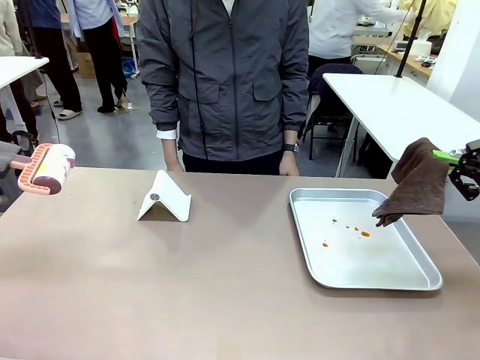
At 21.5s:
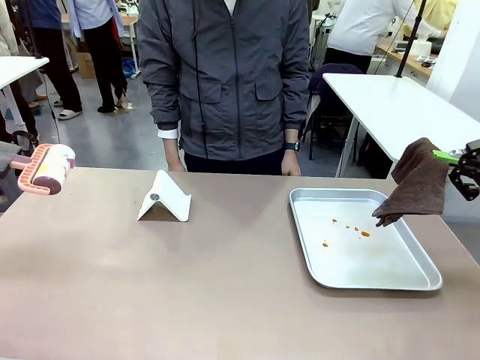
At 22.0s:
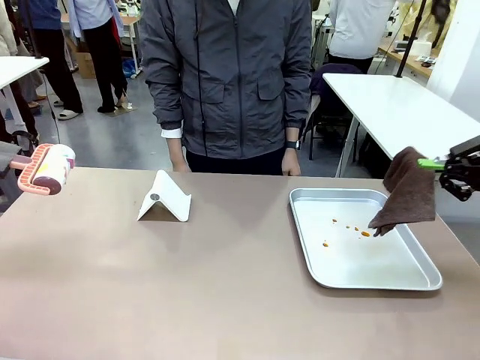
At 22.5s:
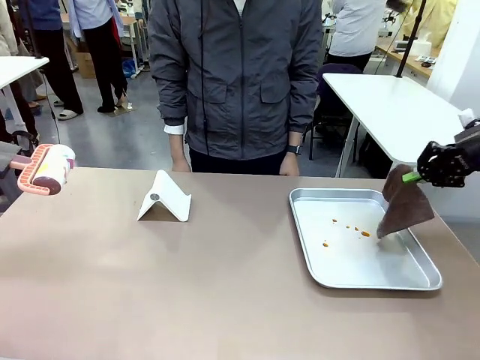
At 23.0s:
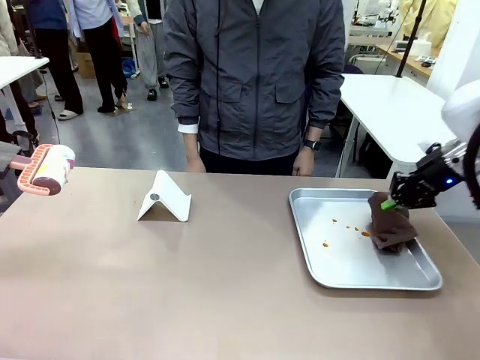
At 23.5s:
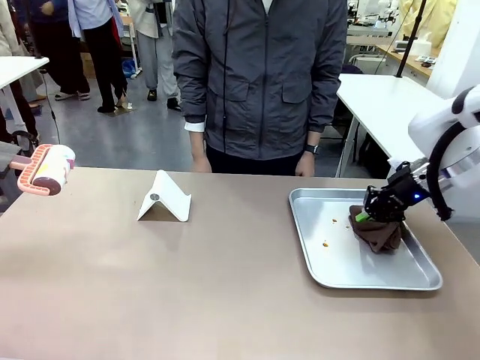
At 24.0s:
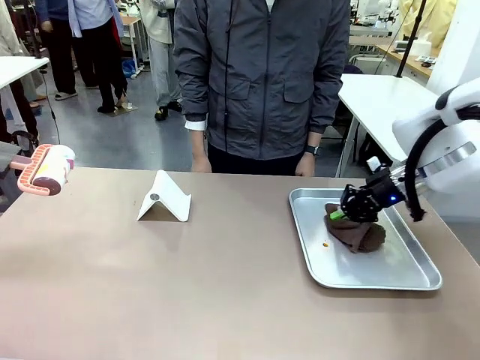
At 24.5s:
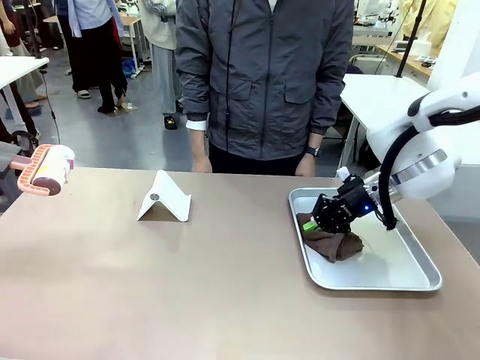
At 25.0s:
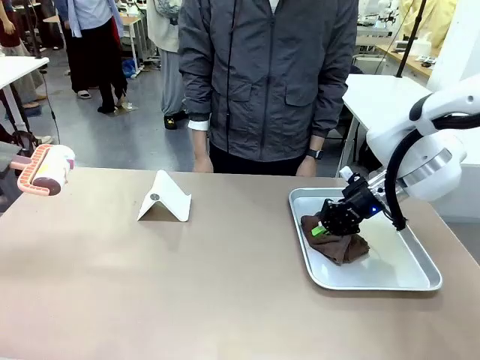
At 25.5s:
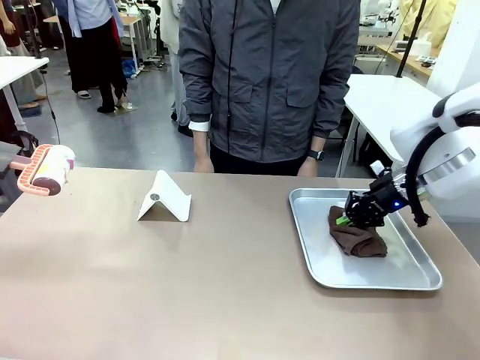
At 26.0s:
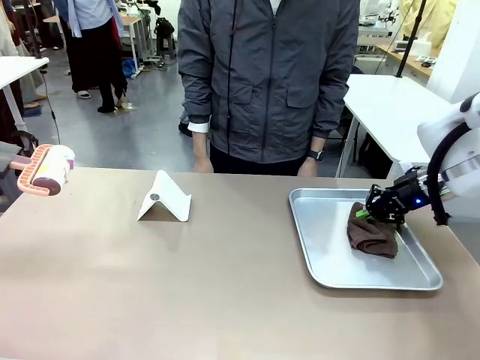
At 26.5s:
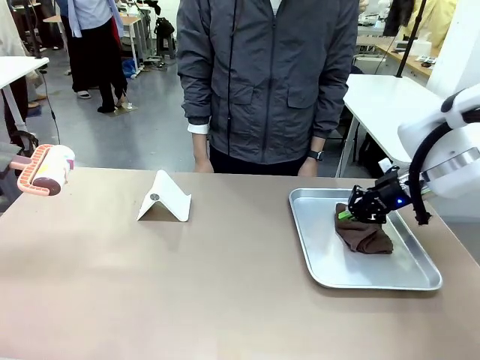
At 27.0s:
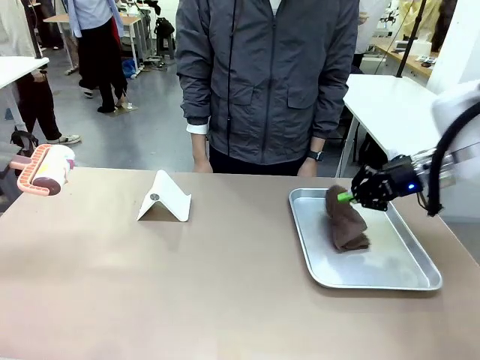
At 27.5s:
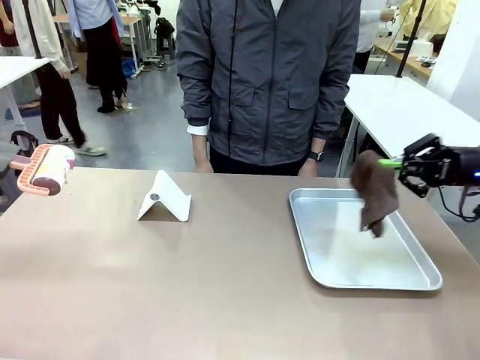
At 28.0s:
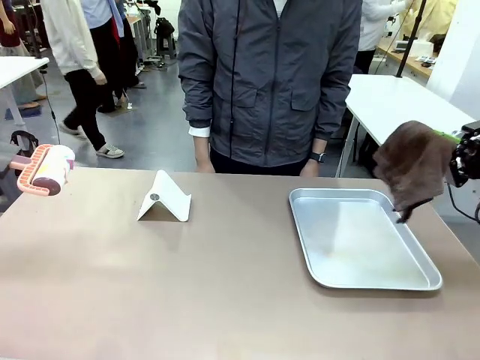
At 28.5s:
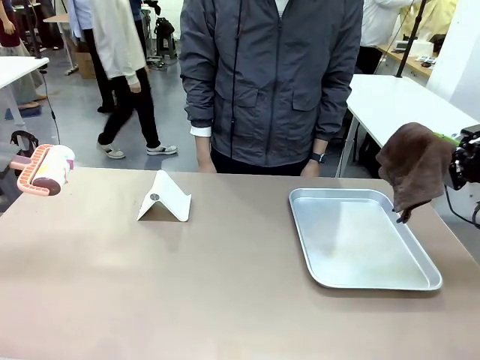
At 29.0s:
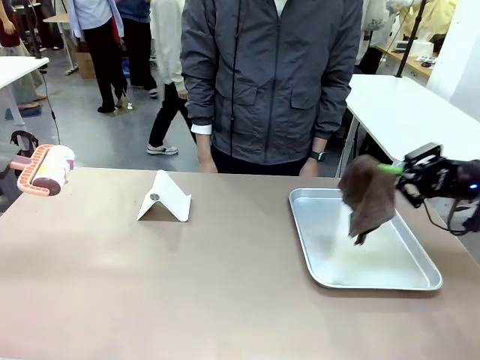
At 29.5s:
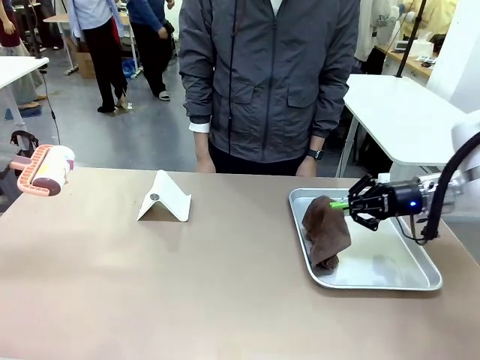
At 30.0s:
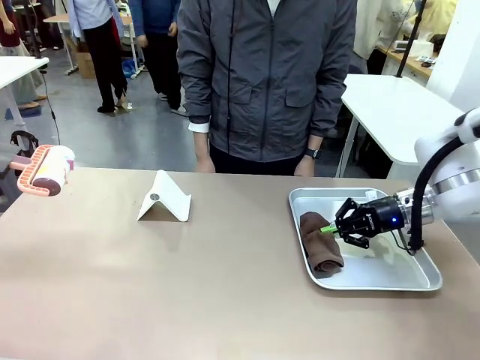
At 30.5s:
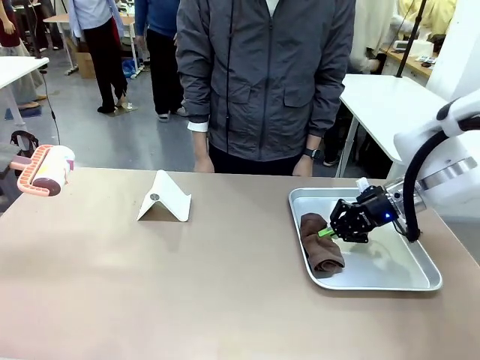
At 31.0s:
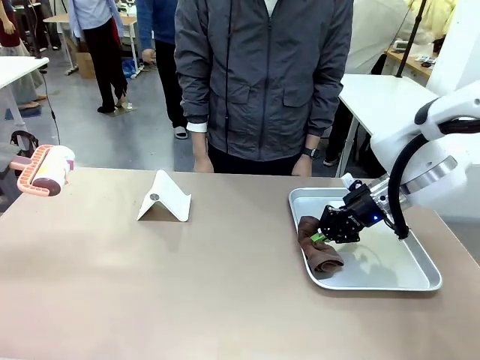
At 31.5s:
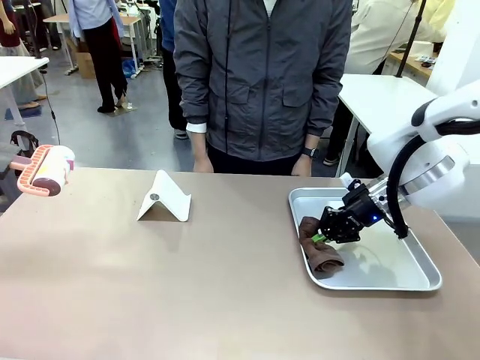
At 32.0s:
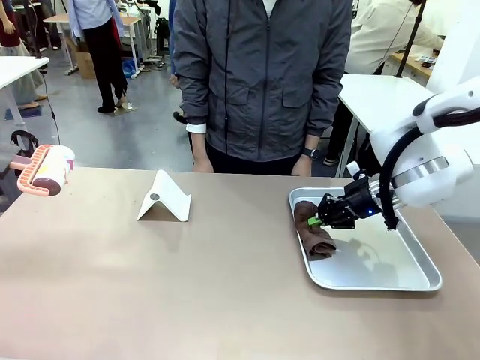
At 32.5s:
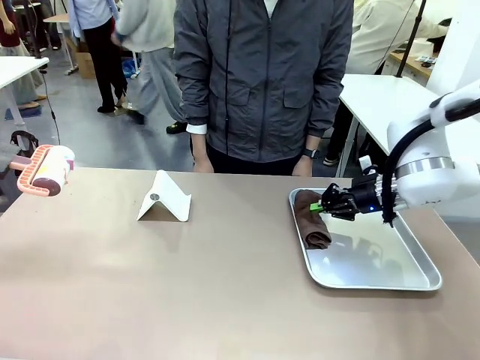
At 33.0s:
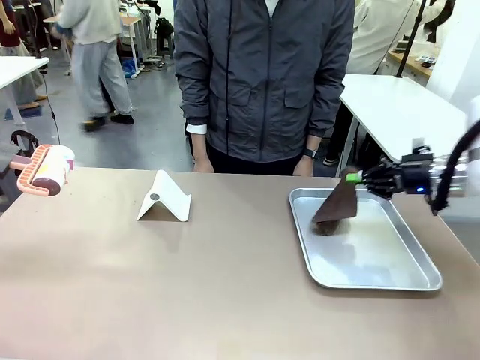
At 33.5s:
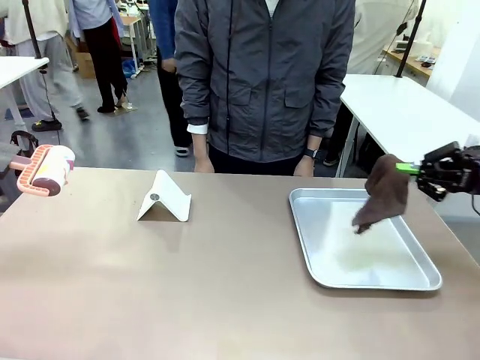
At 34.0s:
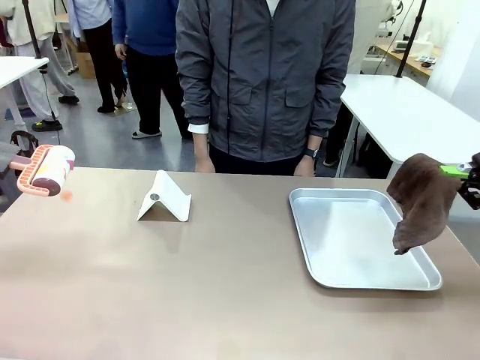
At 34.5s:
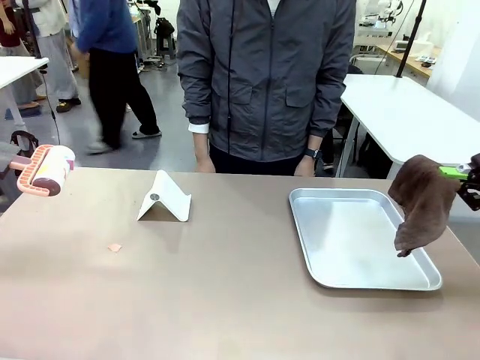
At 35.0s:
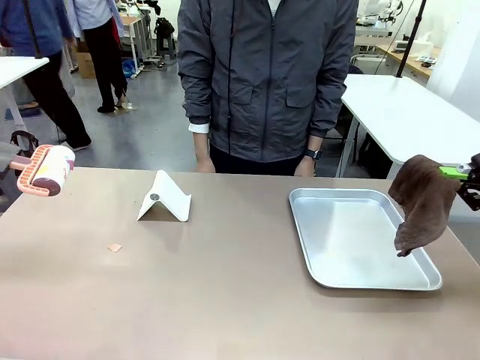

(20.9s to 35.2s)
Task: Clean the surface of the table.
Robot: Clean the area not pointed to by the person.

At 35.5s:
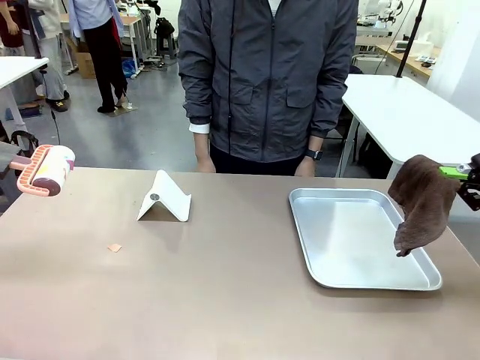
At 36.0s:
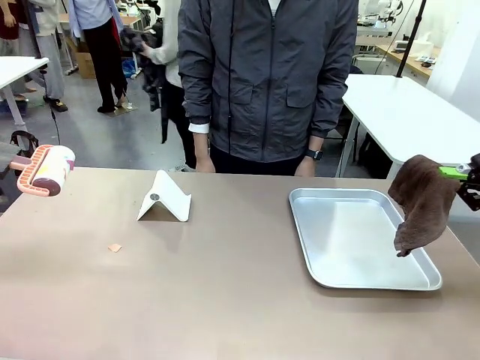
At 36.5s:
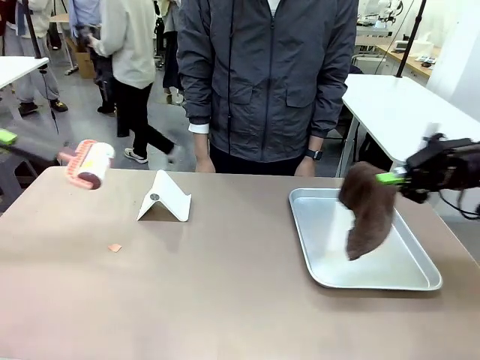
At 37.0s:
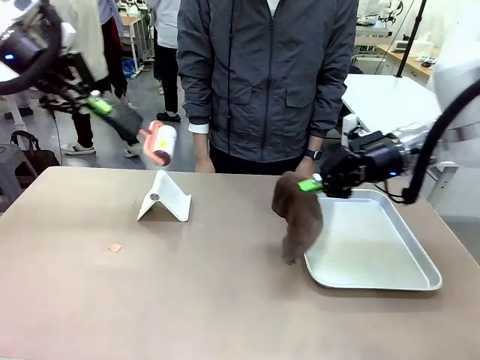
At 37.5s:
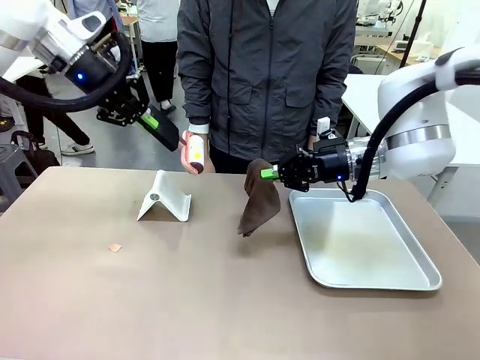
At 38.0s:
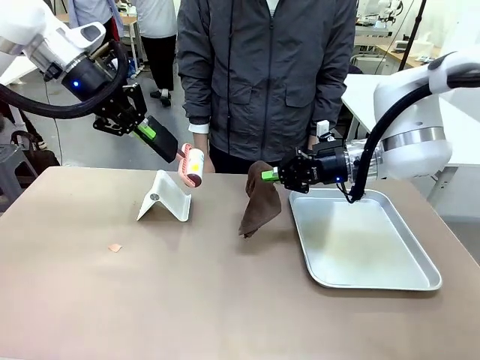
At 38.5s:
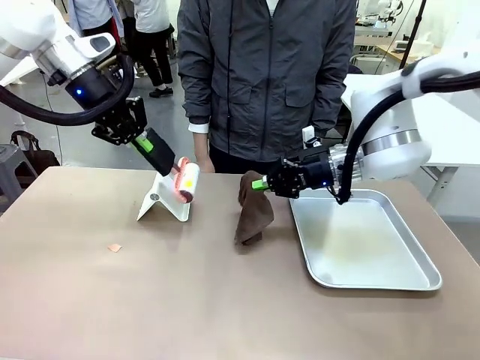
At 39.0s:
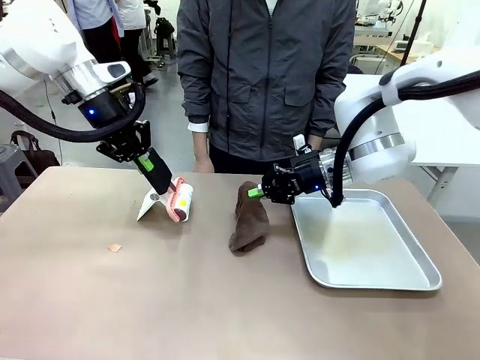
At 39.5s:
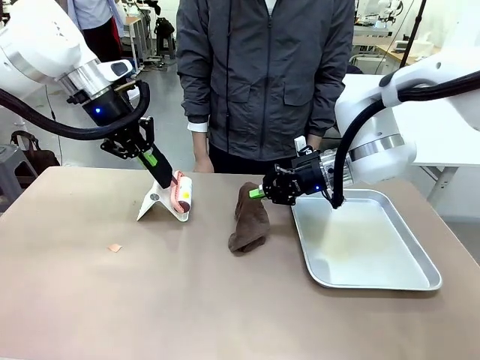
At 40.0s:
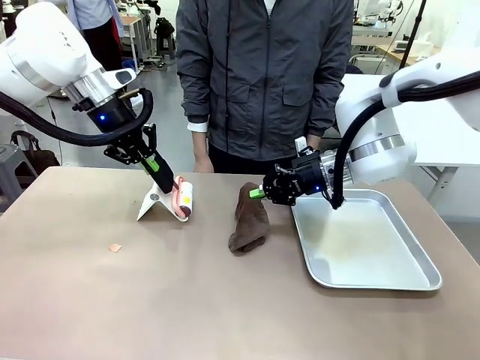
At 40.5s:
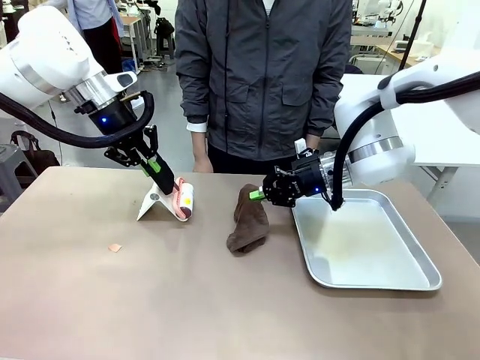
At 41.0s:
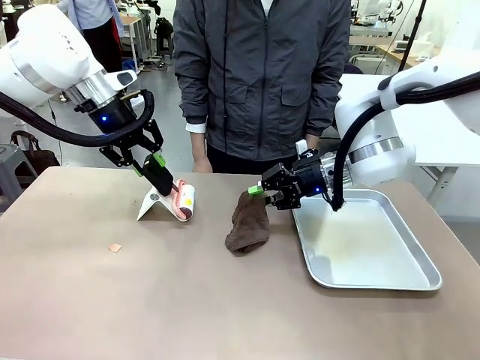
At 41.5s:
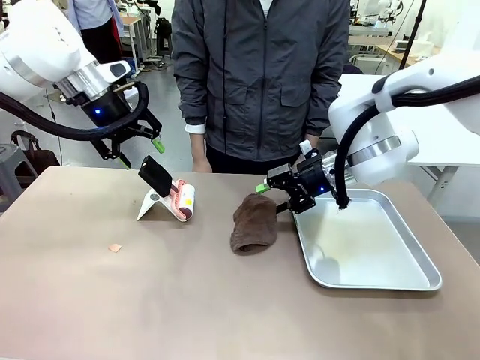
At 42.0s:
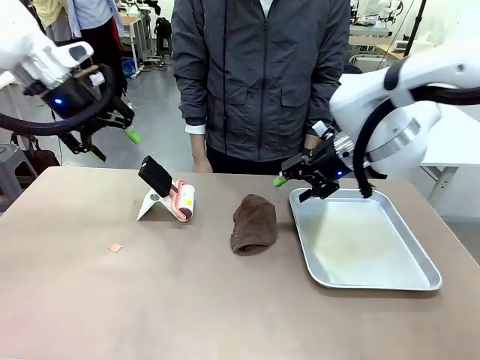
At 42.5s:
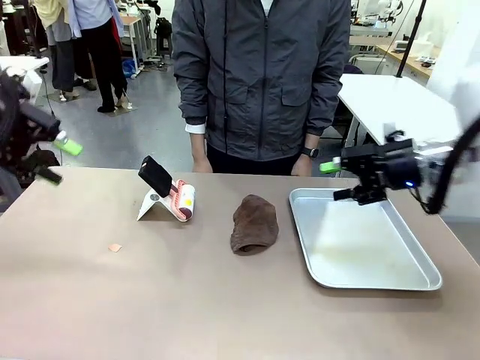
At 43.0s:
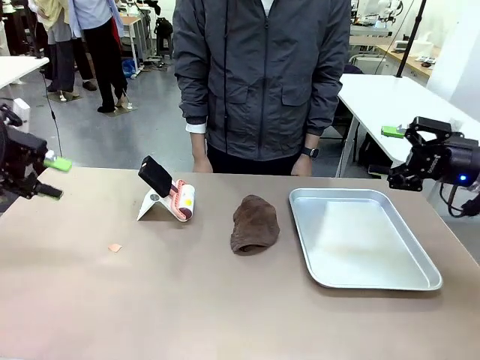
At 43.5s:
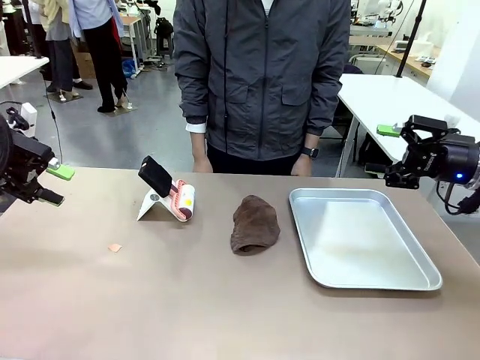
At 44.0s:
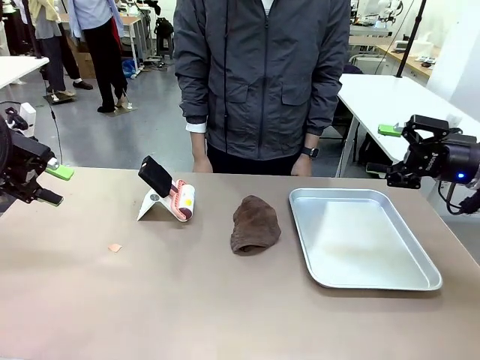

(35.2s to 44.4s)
Robot: Return the Lint Roller and towel to their original positions.

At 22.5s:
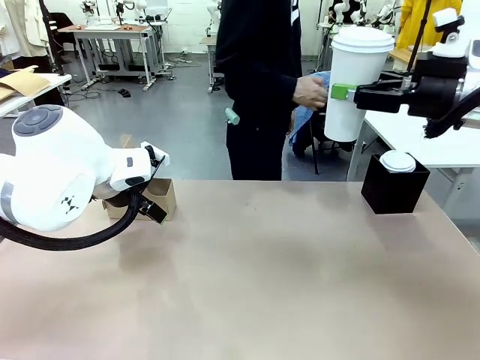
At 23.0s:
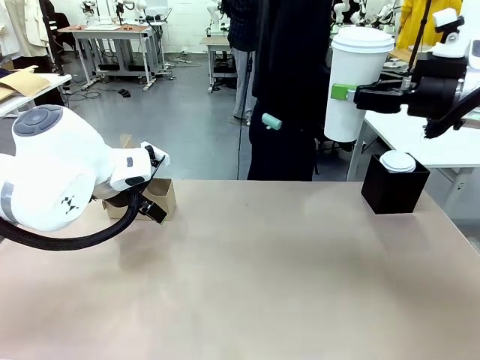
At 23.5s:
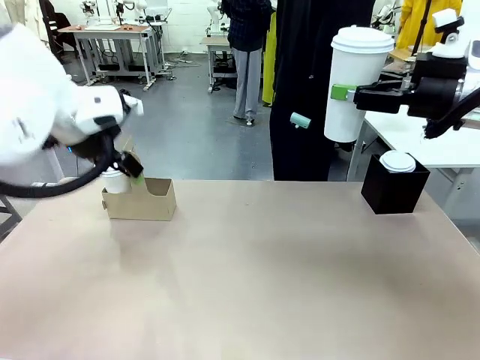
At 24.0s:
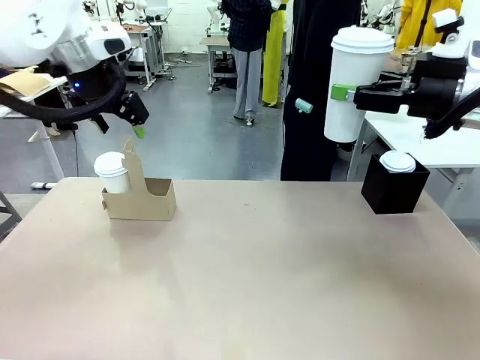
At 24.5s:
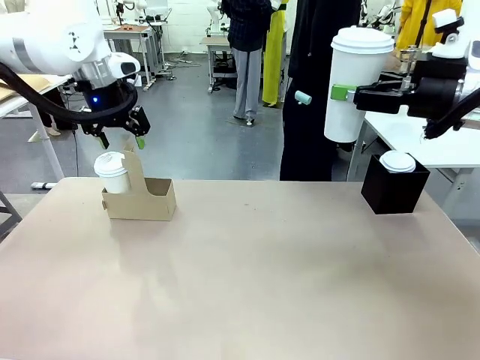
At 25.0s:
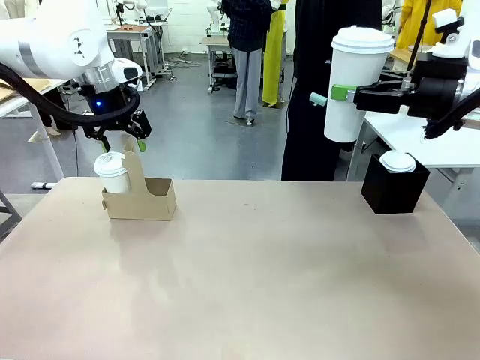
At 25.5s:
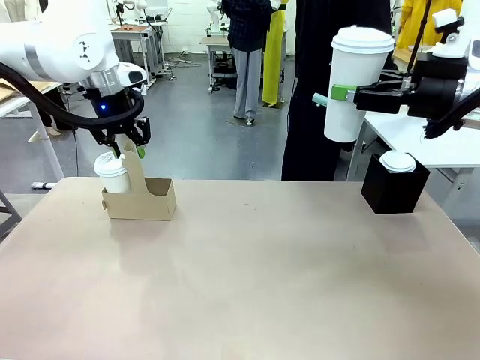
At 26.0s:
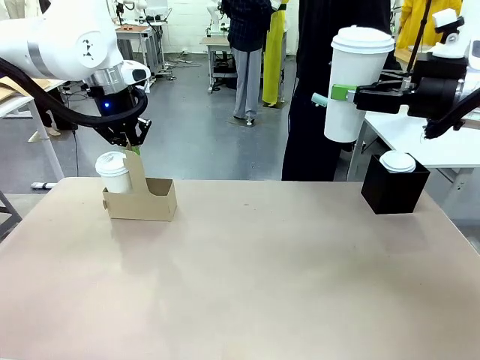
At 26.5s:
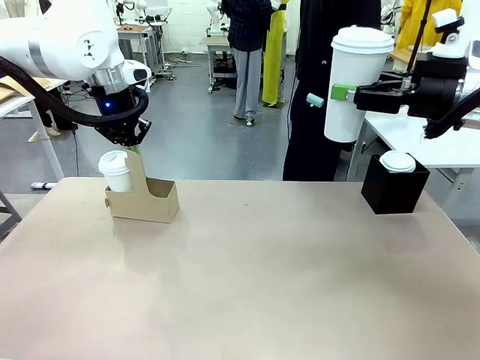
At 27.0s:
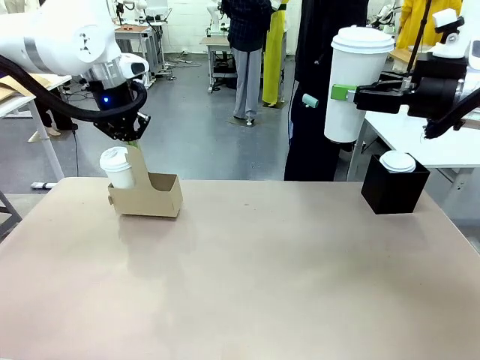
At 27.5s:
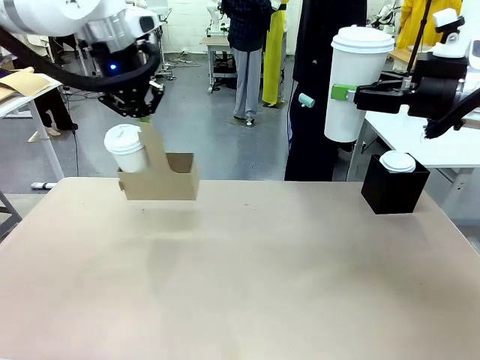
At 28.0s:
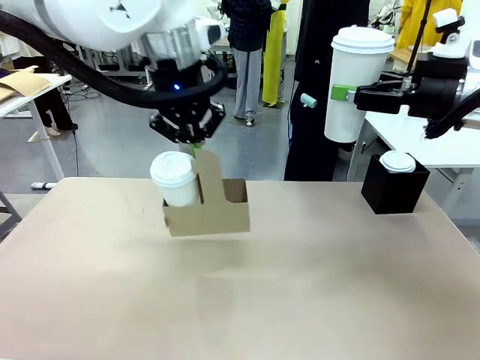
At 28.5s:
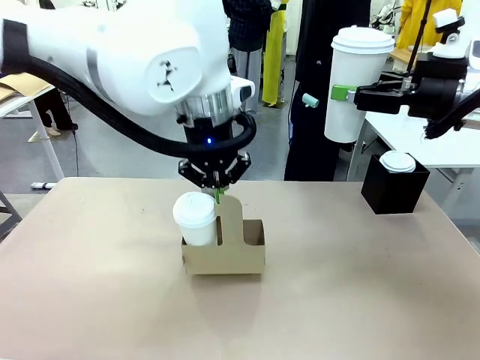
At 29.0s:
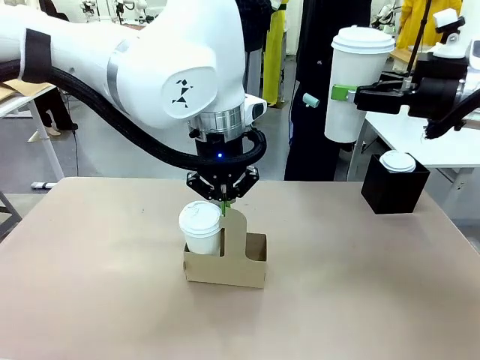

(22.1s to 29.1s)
Task: Pour a drink into a cup and package it in a carrier.
Robot: Position the Cup Carrier in the center of the table.
Person: Pick up the Filter Brewing and place on the middle of Human table, and return to the Robot table.
